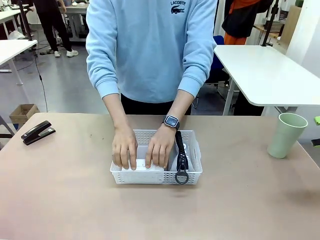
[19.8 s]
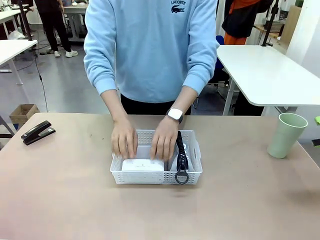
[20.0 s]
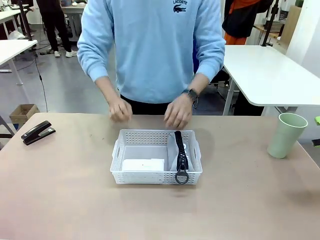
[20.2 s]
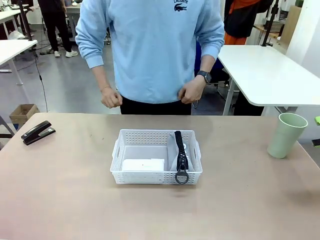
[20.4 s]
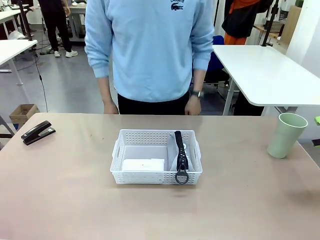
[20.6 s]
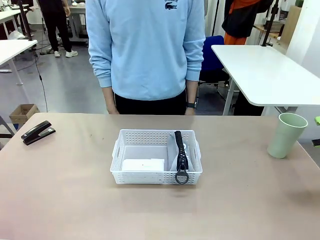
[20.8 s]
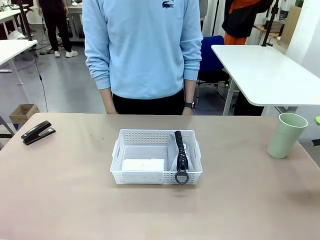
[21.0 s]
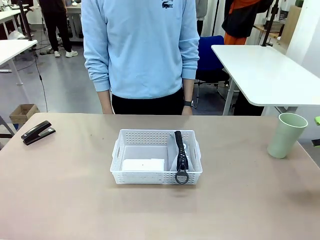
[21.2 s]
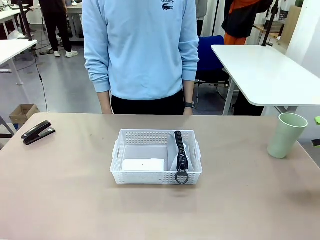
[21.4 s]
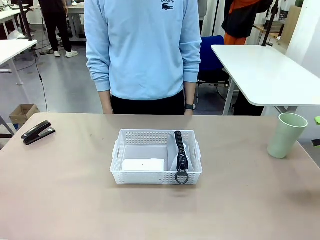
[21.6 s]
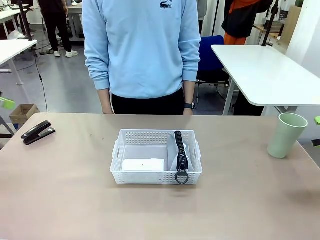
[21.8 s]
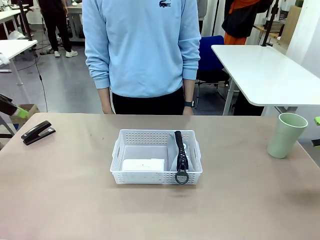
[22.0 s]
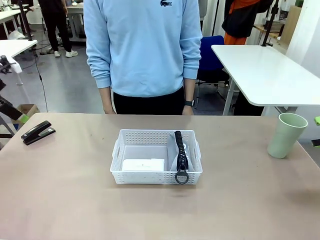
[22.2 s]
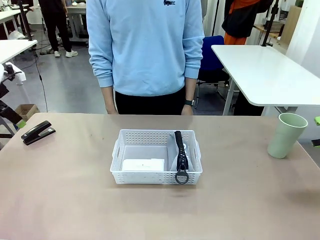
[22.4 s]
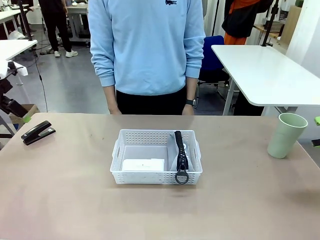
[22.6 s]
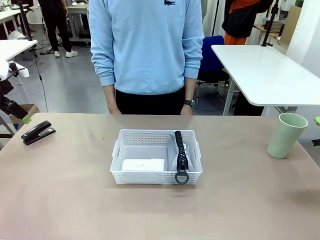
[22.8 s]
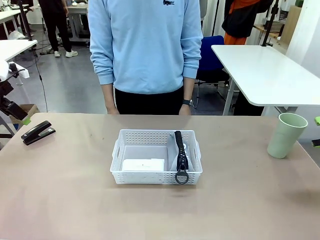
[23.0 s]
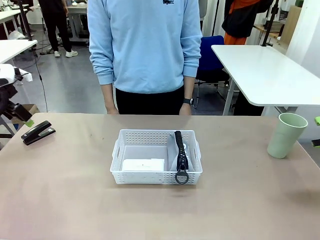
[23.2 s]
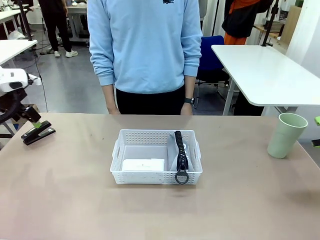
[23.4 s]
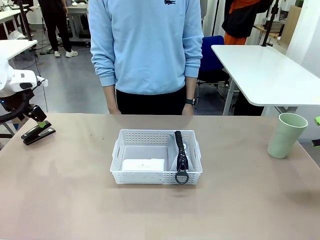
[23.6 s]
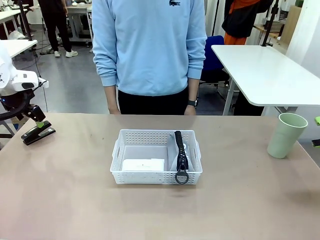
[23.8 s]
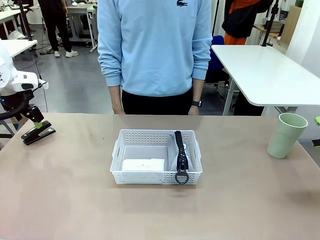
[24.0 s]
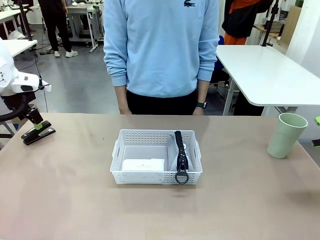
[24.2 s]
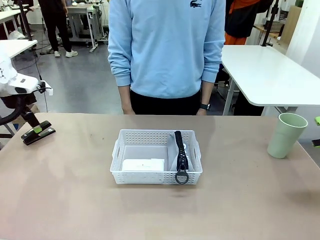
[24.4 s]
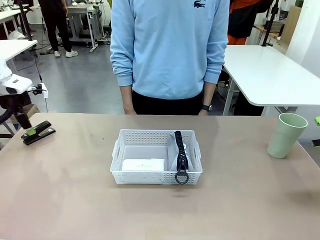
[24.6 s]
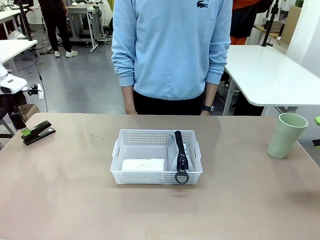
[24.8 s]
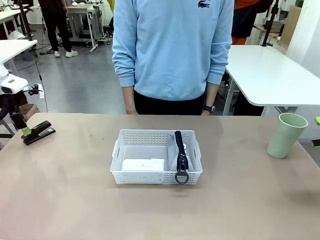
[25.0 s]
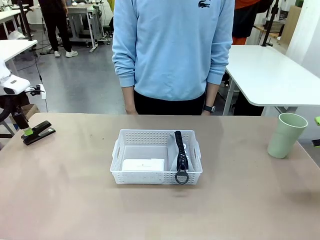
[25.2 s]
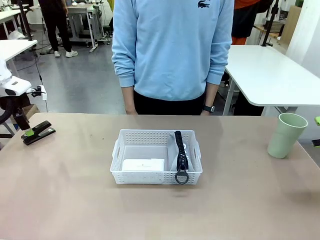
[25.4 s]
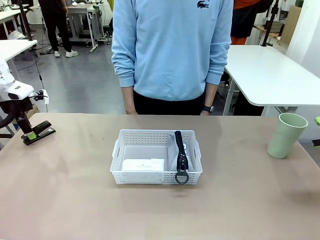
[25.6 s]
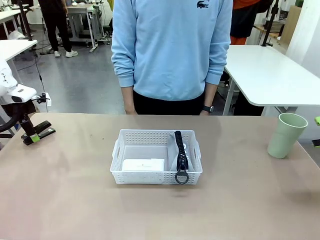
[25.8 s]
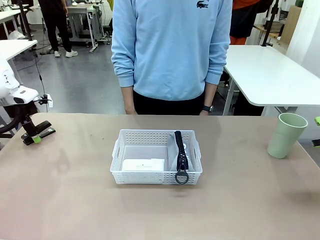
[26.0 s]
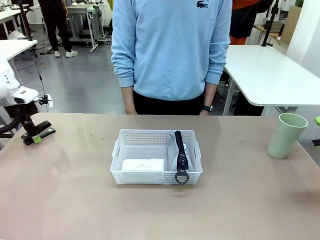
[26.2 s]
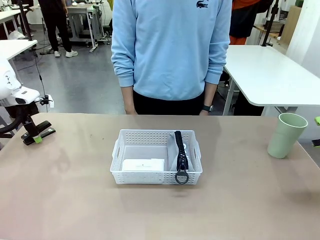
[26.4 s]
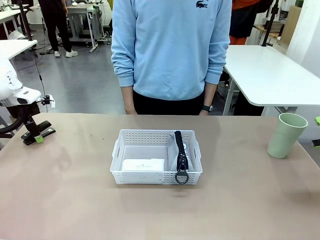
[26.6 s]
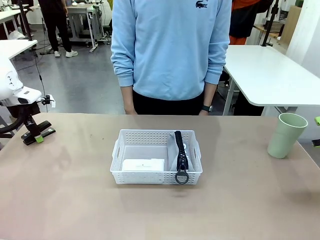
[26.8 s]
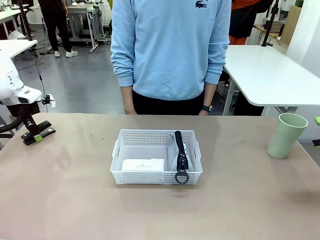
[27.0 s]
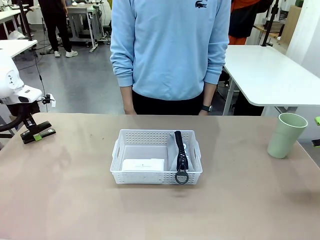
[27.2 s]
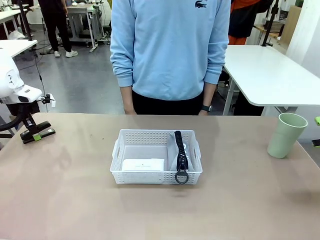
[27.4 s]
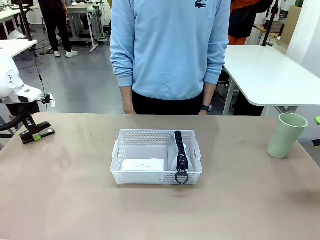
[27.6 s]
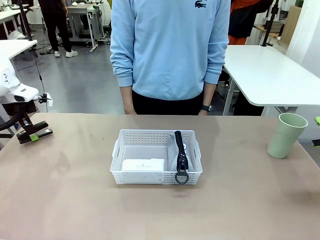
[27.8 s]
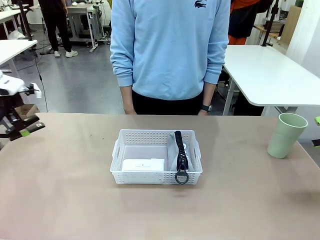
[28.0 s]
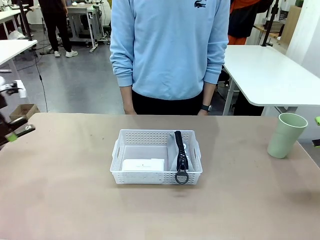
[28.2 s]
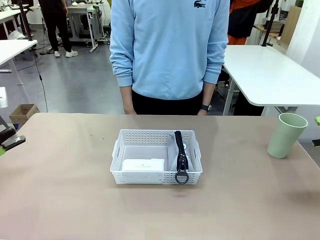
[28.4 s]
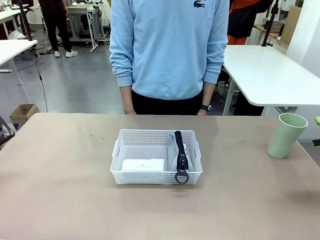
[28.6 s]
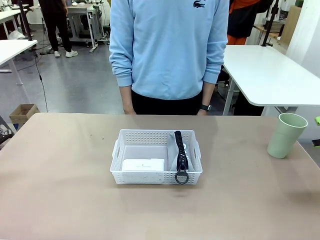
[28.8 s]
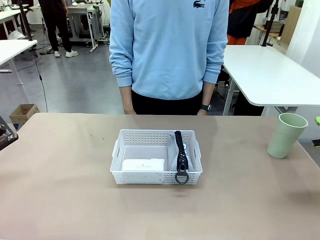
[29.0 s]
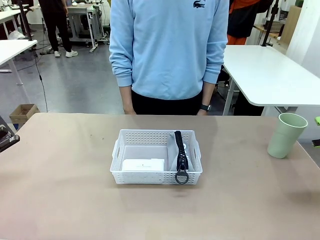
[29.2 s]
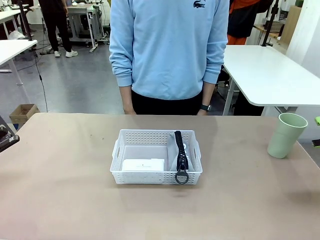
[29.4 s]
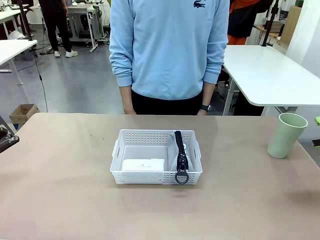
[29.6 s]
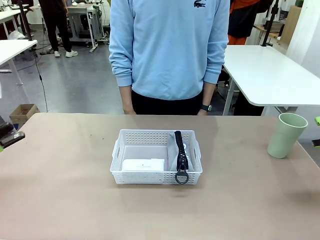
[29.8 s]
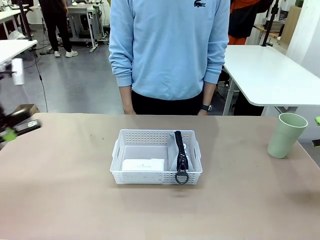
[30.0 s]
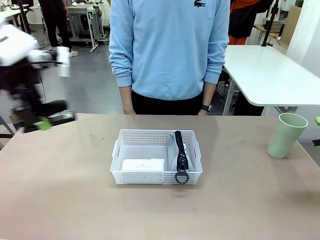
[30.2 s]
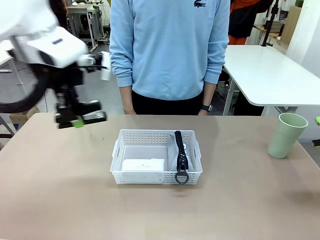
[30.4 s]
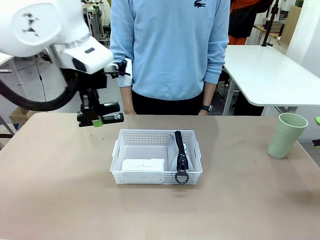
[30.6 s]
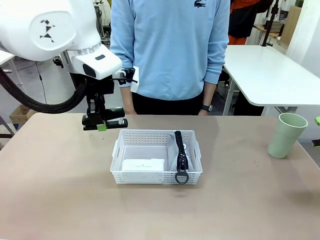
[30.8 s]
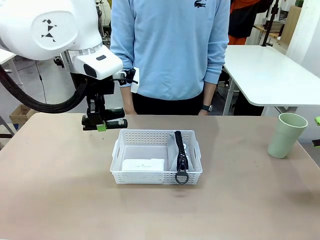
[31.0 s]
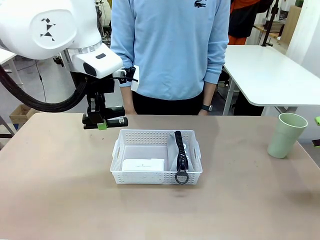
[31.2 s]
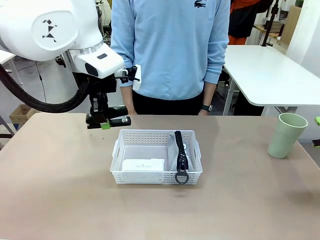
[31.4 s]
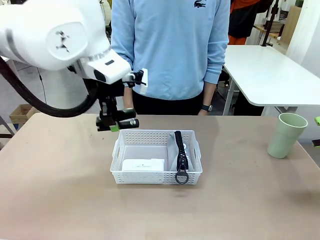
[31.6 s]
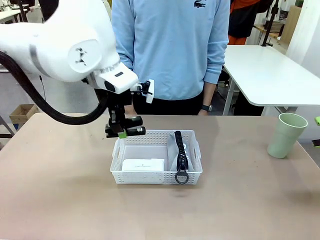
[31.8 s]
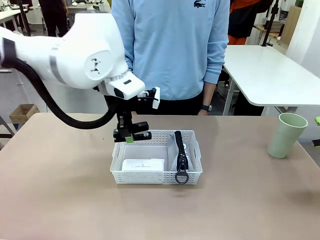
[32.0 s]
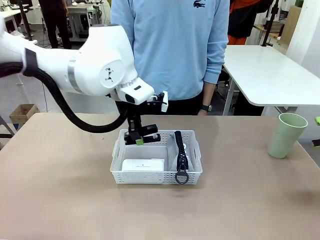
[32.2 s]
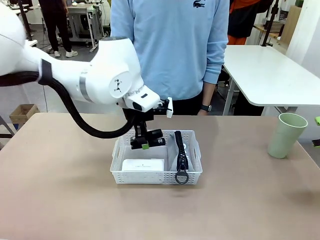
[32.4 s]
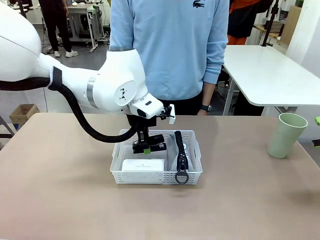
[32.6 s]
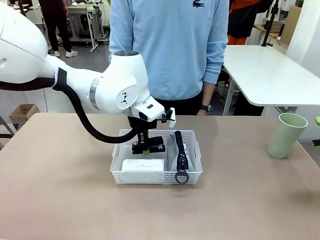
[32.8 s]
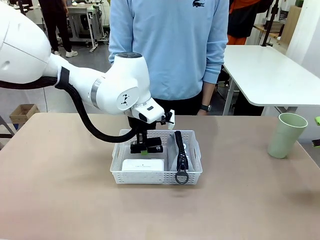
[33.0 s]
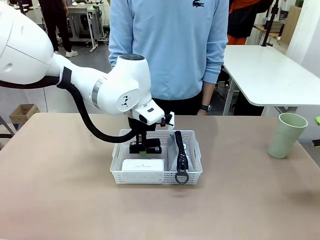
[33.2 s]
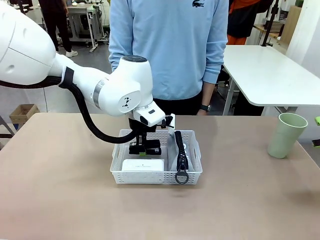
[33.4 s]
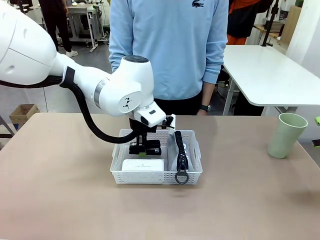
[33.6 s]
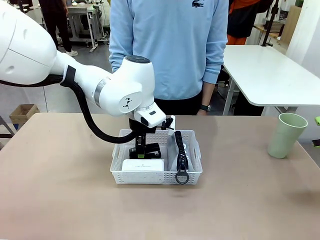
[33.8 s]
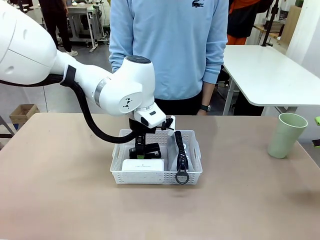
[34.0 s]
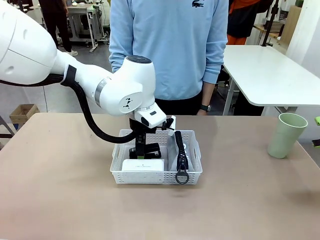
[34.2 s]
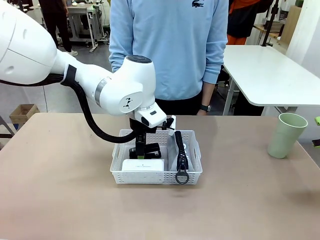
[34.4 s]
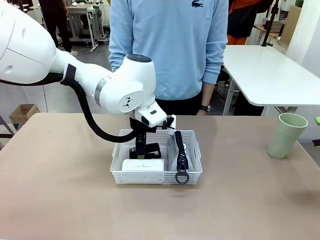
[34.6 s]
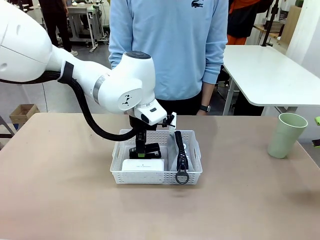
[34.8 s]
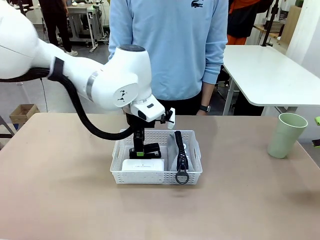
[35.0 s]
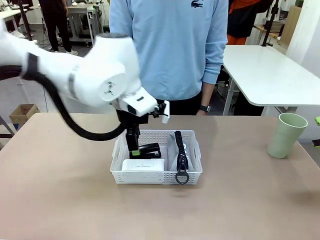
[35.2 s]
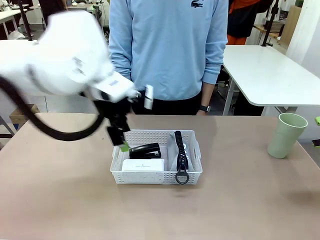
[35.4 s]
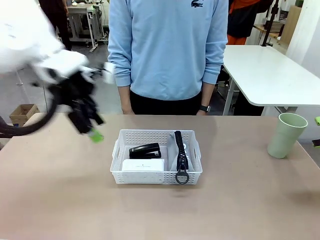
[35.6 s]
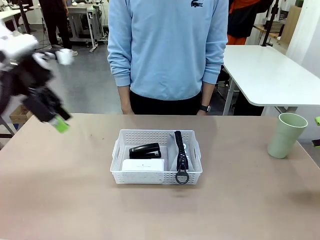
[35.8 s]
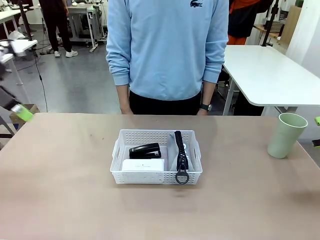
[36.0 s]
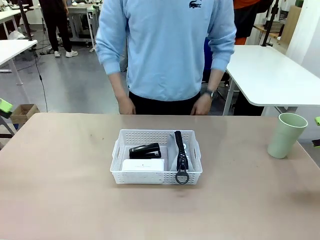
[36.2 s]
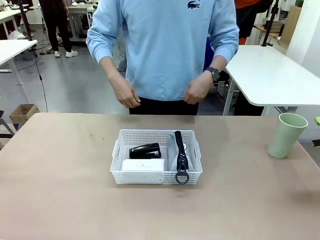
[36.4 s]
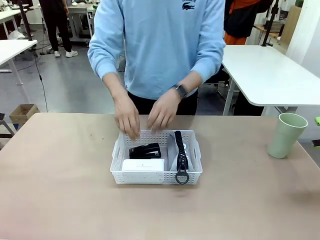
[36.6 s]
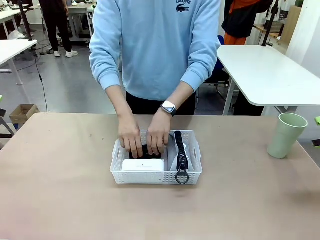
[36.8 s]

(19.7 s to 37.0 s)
Task: Efficiently arrange items inside the basket to fit them all.
Robot: Pick up the Stapler and place it inside the Organizing basket.
